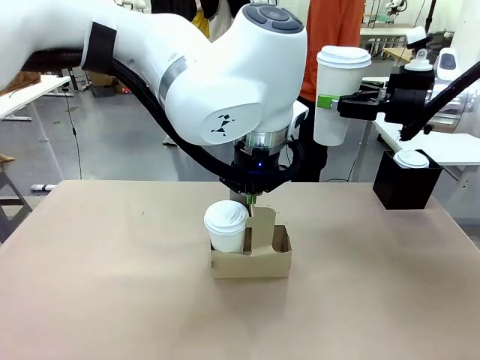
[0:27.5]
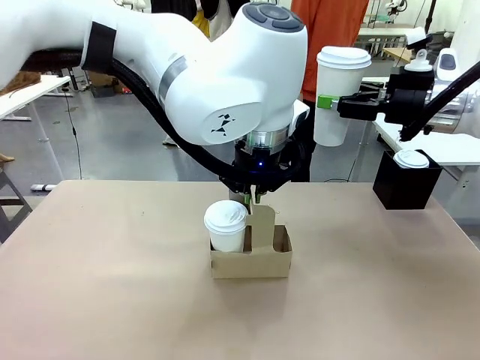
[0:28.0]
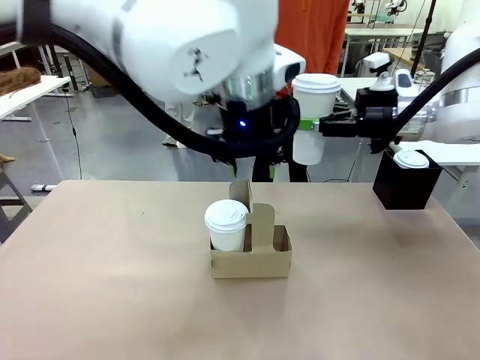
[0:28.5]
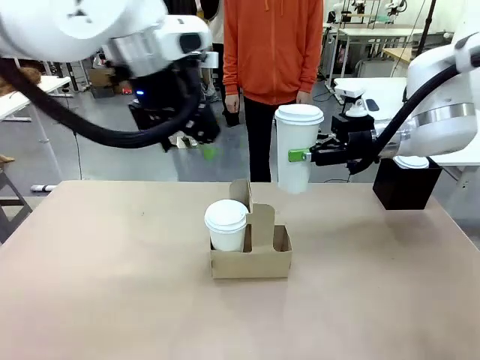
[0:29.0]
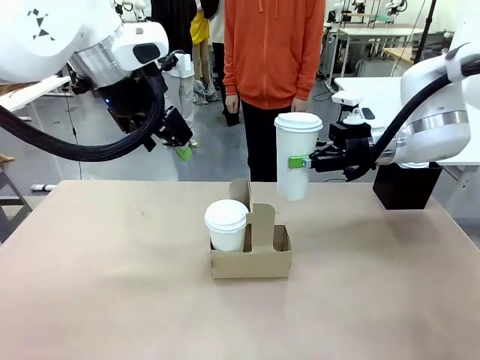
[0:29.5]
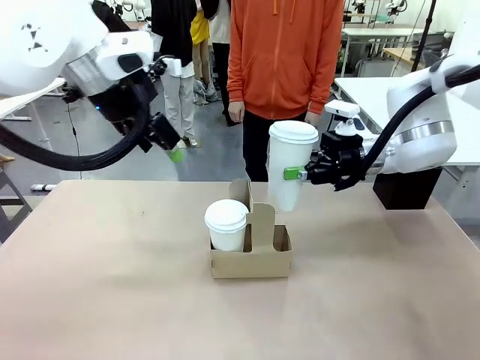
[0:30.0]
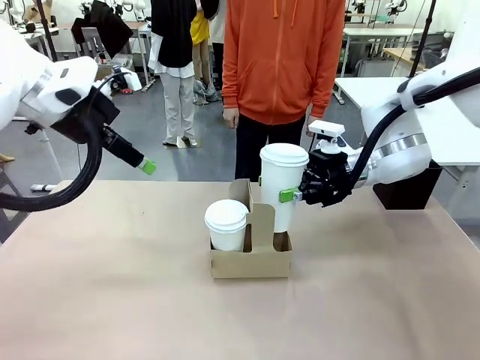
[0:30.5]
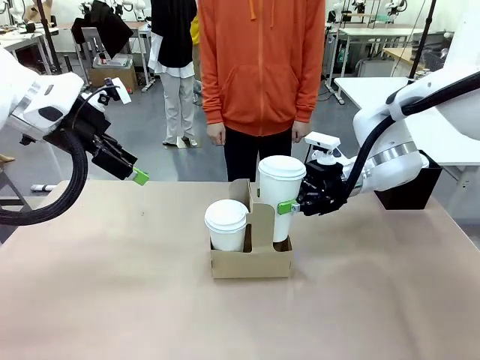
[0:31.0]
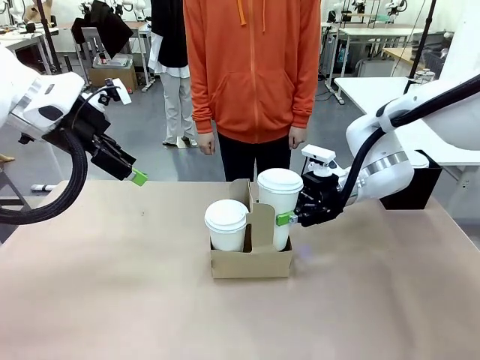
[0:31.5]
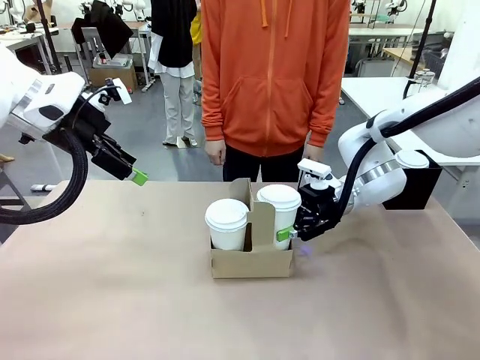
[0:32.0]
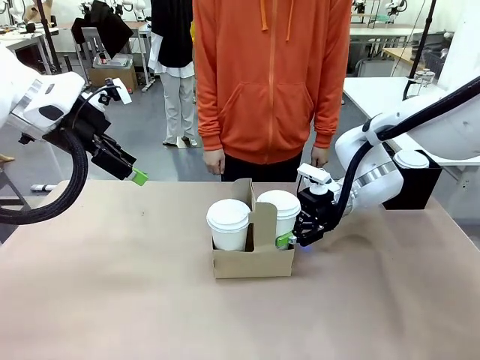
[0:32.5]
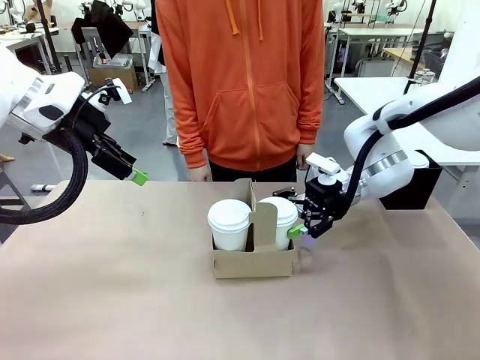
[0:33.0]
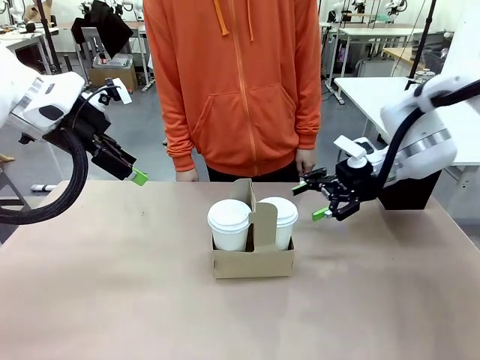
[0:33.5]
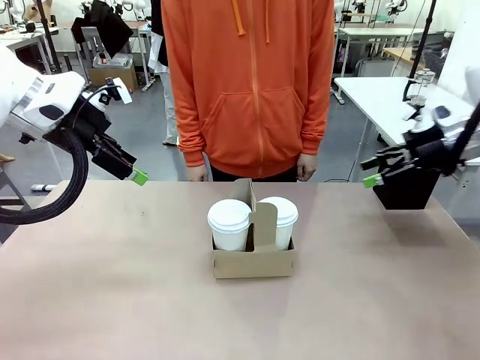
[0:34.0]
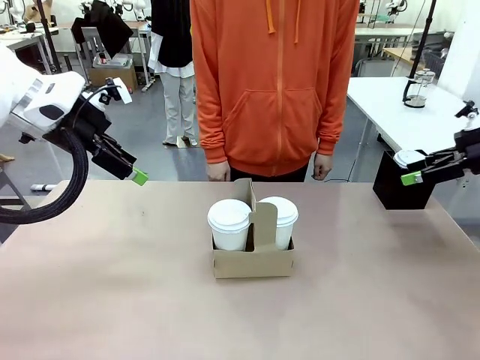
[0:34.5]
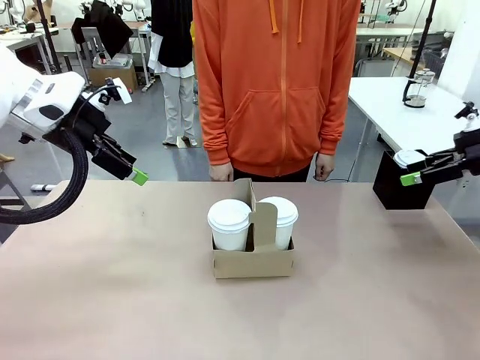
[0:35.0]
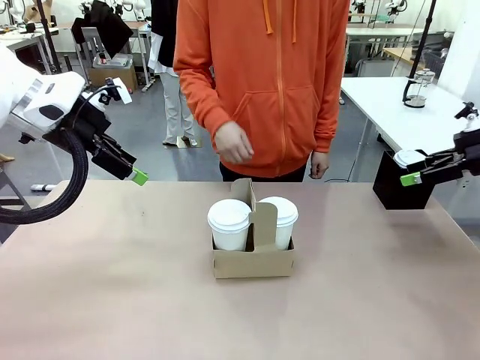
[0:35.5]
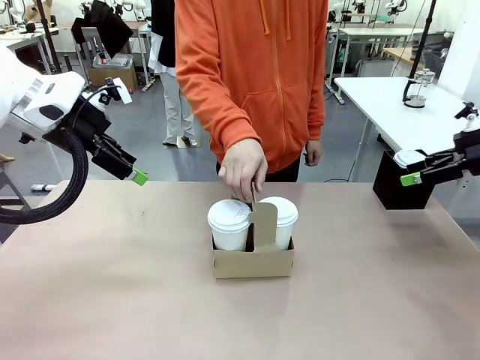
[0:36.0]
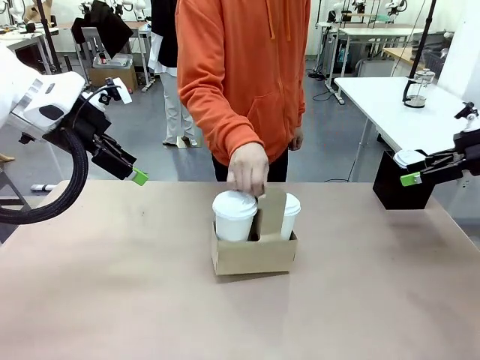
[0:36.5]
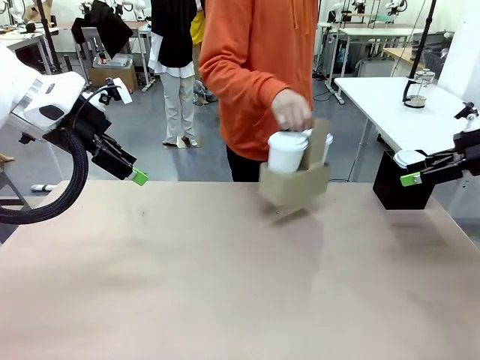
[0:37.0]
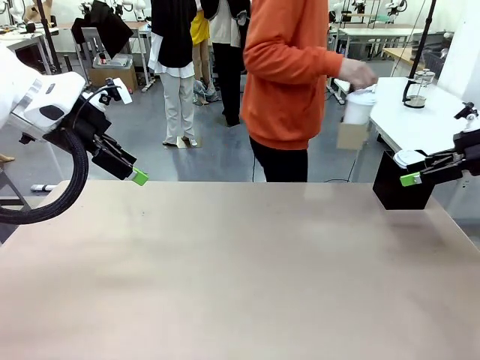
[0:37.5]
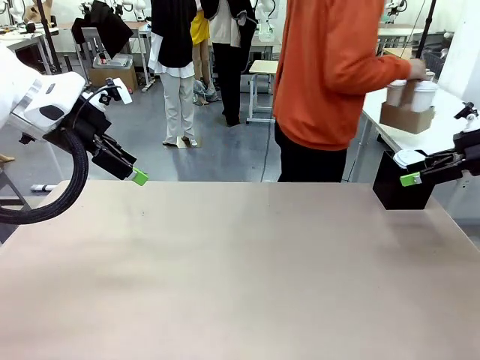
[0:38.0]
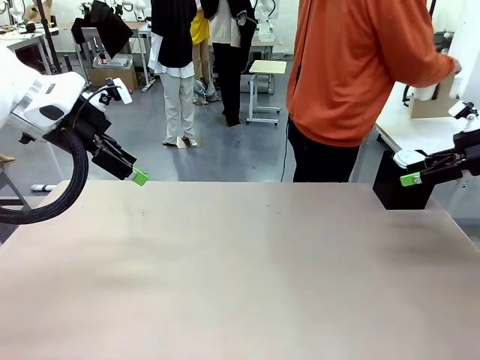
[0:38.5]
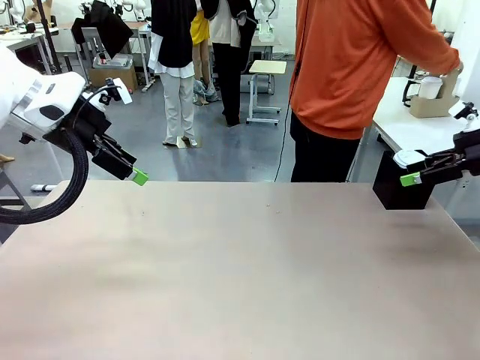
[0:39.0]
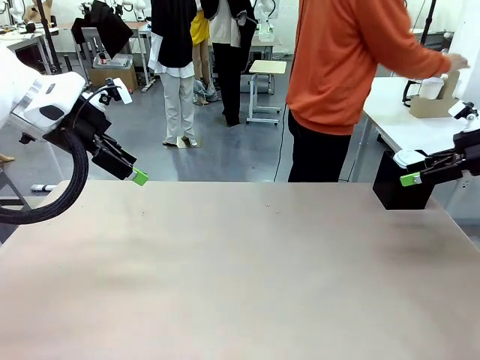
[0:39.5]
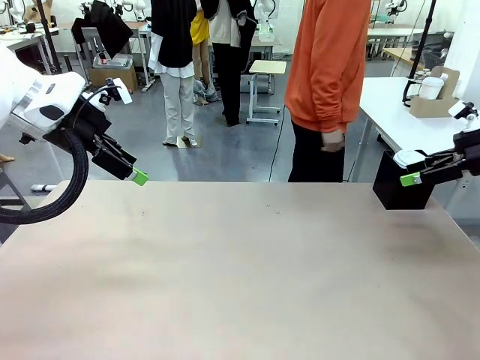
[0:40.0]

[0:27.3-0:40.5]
Task: Pour a drink into a cup and package it in a carrier.
Robot: Insert the held 600 ml Paper Cup into the Cup Carrier.
Person: Place the Cup Carrier to the middle of Human table.

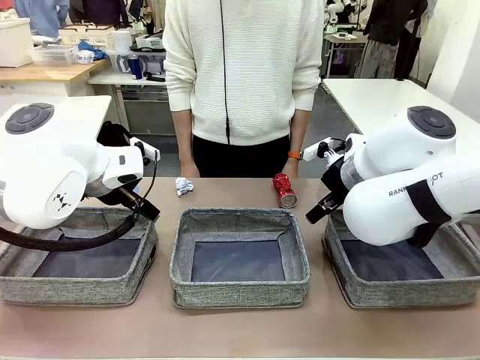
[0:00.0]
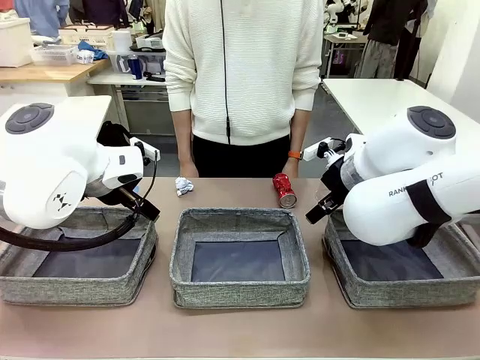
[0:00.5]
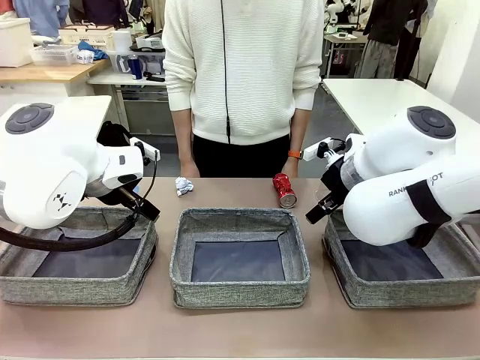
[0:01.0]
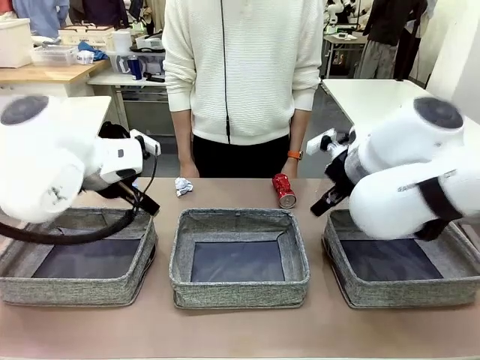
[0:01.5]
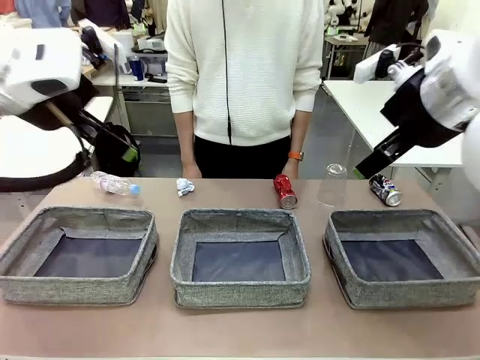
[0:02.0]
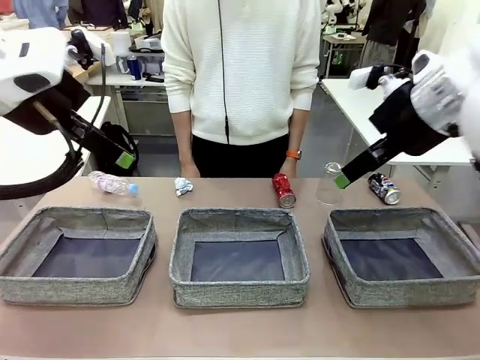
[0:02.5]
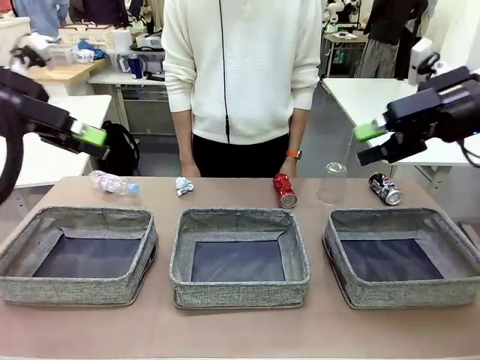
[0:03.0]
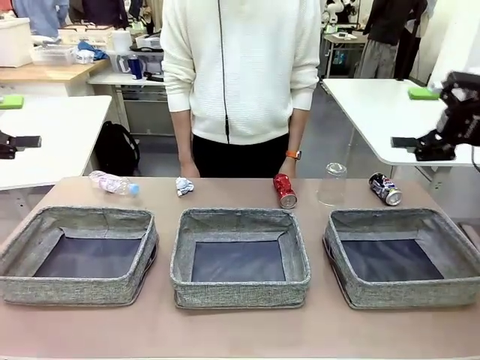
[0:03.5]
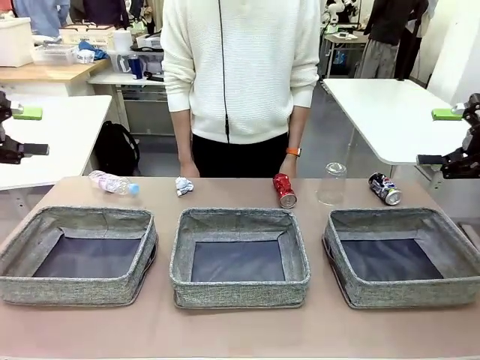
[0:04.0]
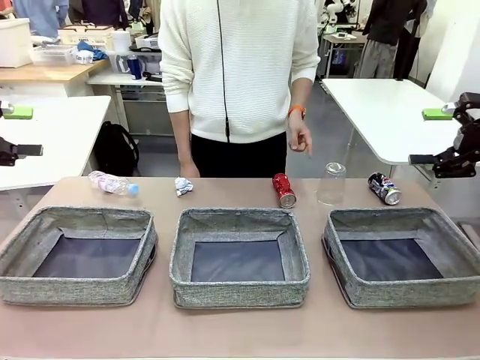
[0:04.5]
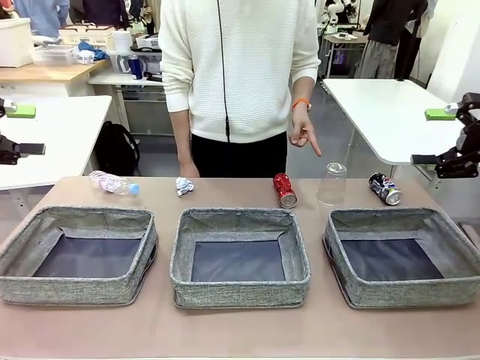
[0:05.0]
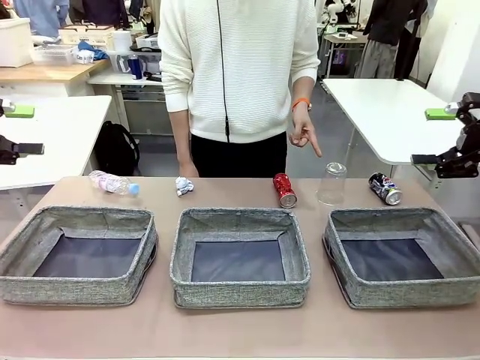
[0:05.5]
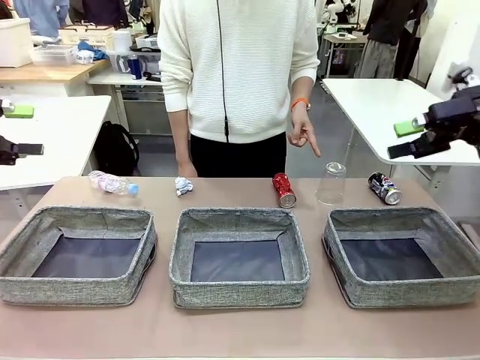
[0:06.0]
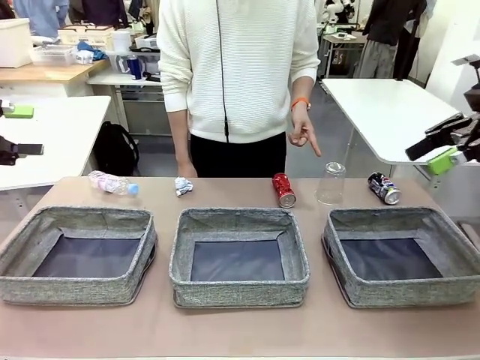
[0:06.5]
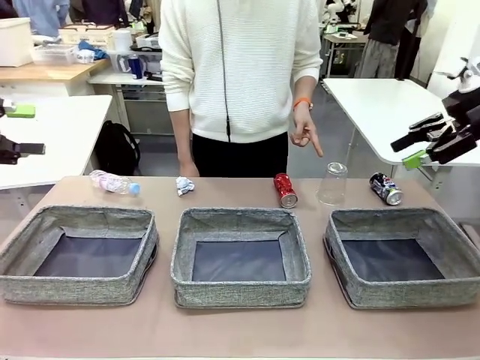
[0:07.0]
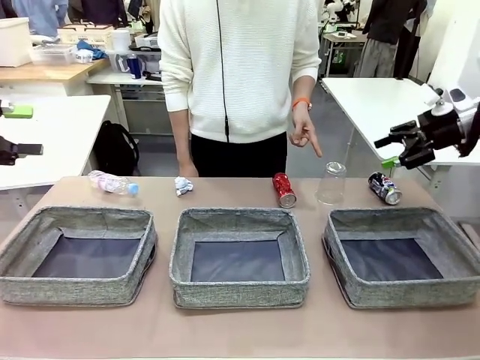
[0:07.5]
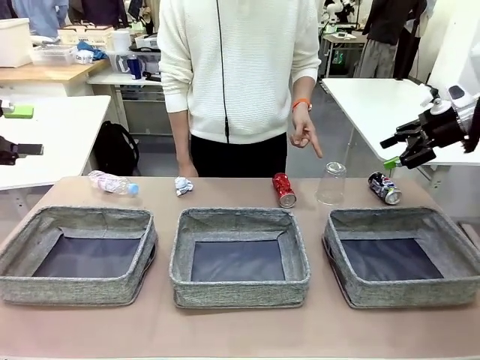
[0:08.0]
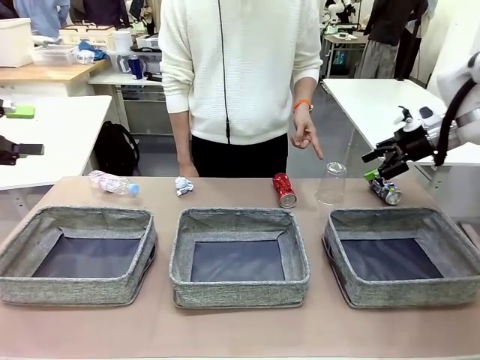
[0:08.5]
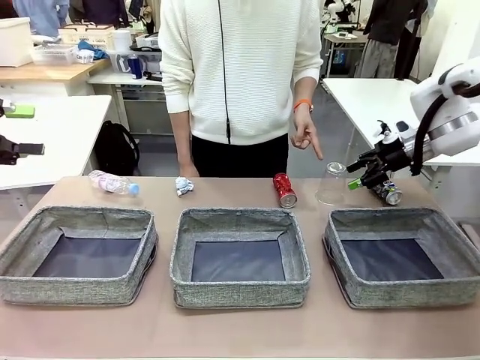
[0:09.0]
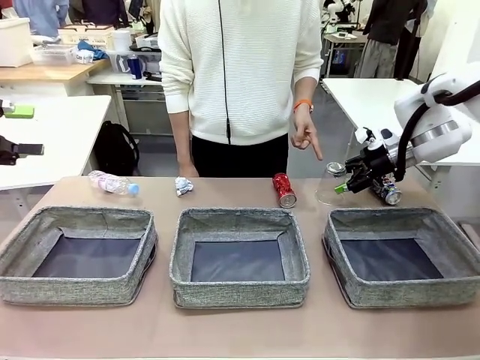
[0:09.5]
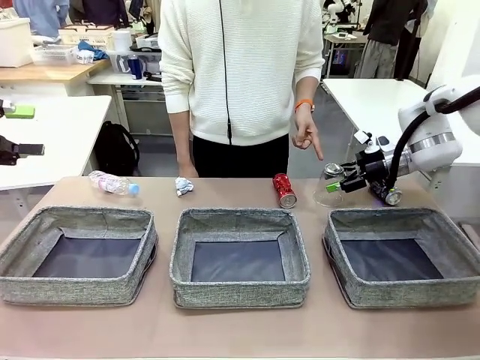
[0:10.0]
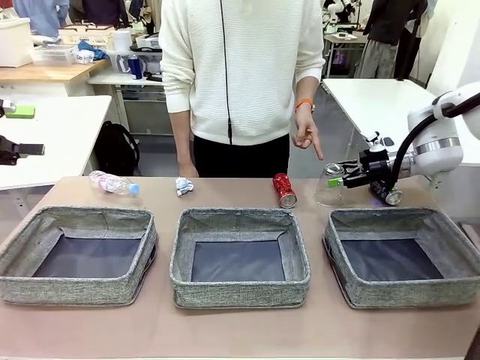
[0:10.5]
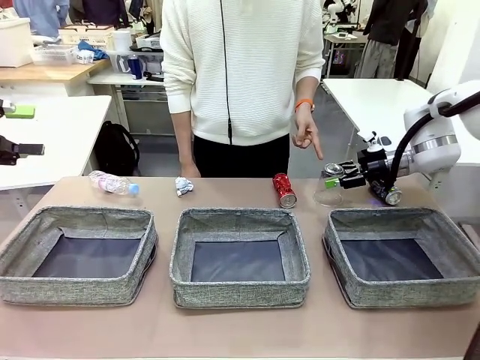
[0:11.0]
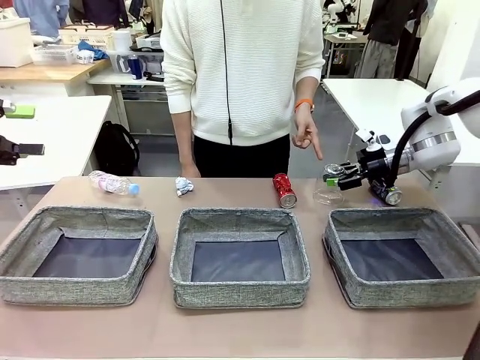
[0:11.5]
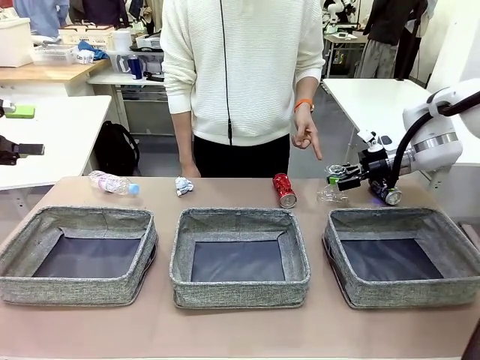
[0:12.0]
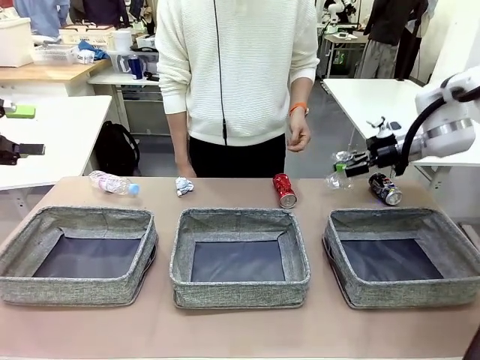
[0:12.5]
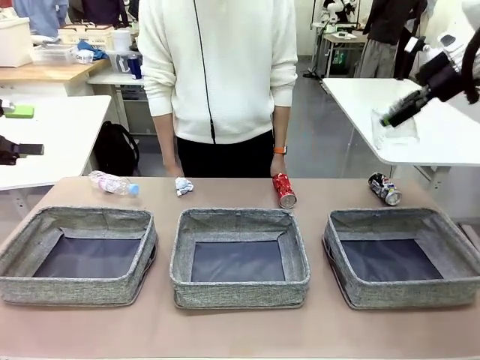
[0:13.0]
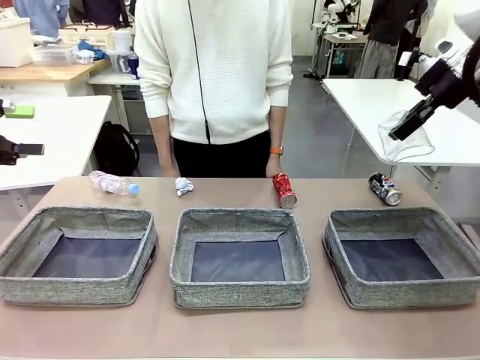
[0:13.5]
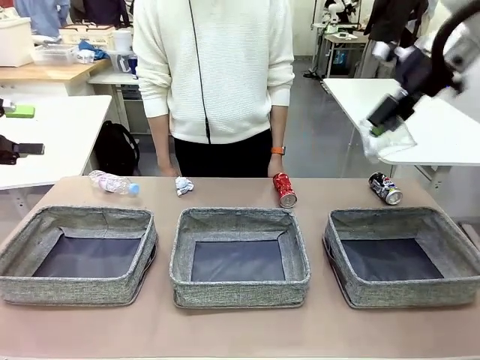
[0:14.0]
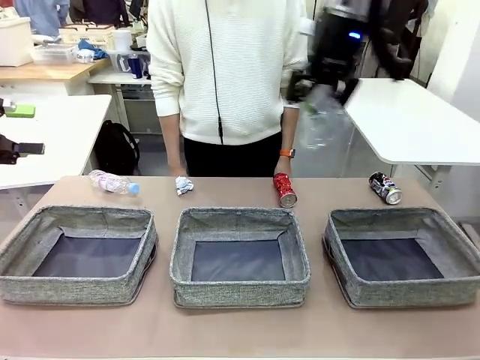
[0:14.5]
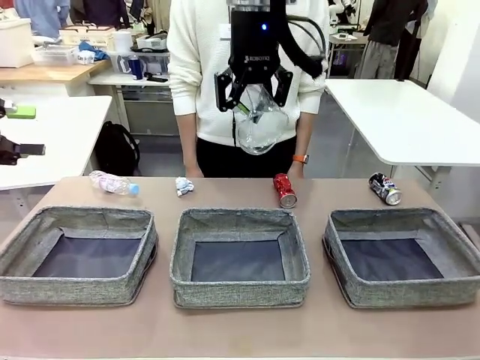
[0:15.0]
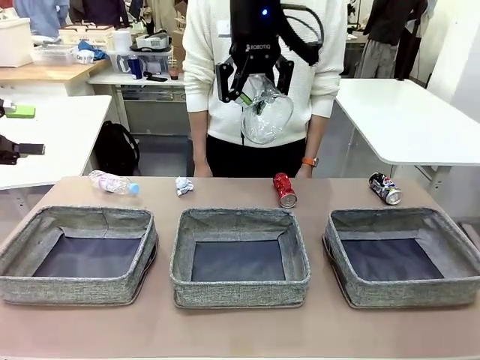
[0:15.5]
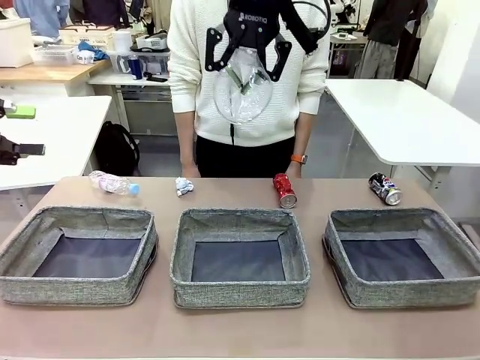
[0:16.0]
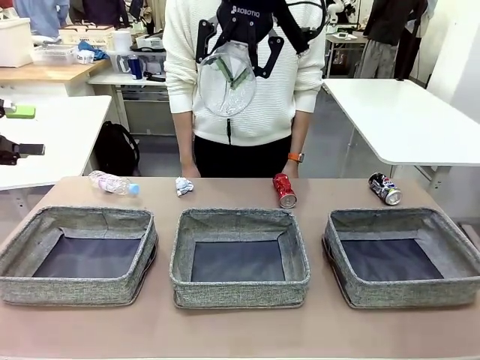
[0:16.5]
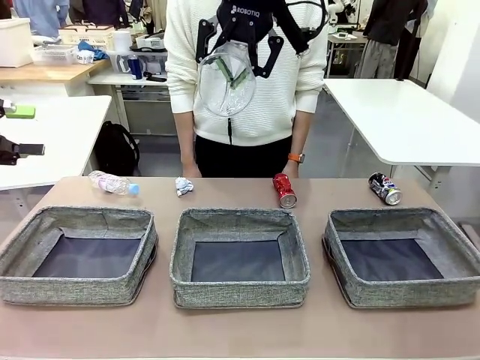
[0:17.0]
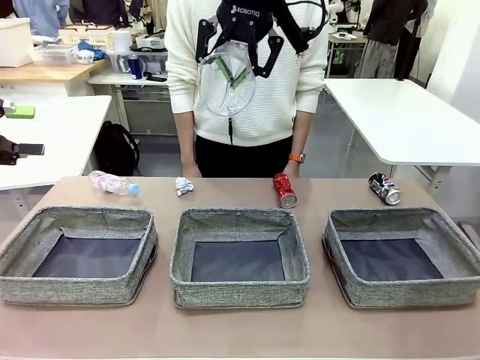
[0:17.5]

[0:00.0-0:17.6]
Task: Sort the waste into the appropriate baskets.
Robot: Pick up the waste item pointed out by the person.
Person: Points to one piece of trash on the table.
